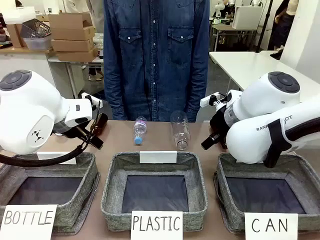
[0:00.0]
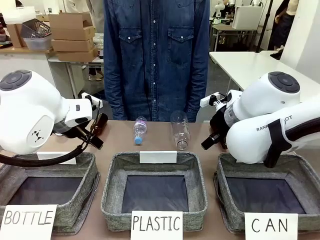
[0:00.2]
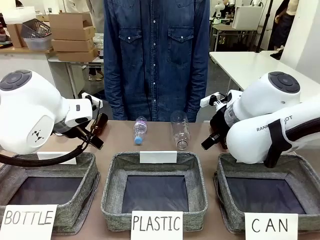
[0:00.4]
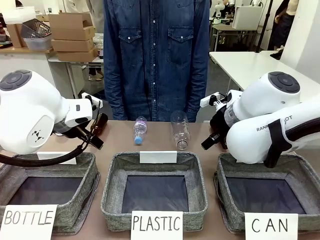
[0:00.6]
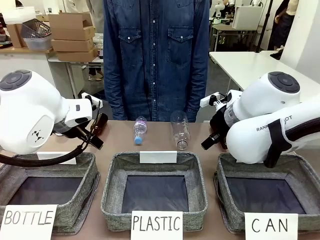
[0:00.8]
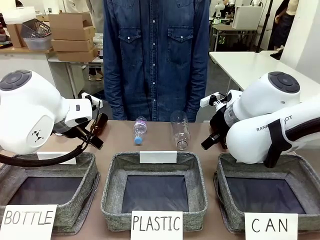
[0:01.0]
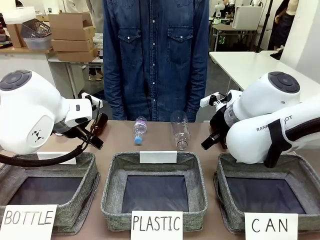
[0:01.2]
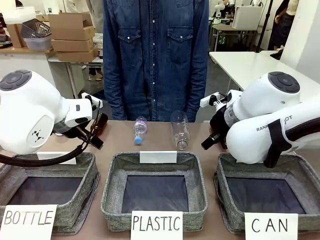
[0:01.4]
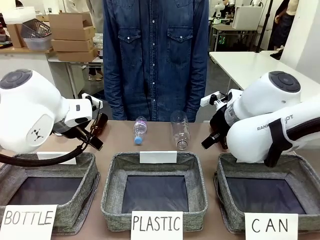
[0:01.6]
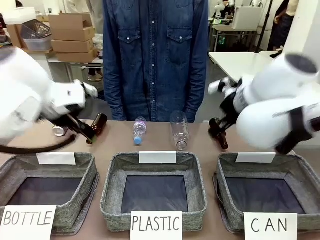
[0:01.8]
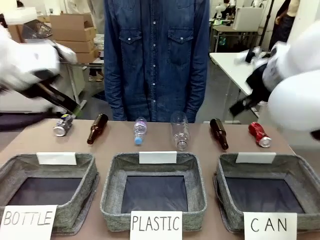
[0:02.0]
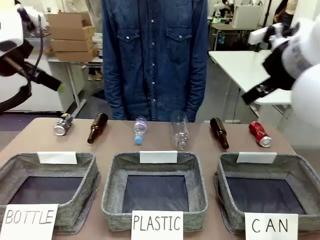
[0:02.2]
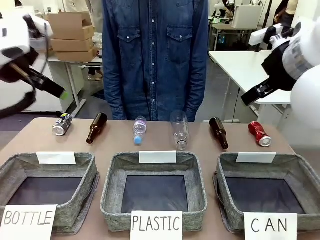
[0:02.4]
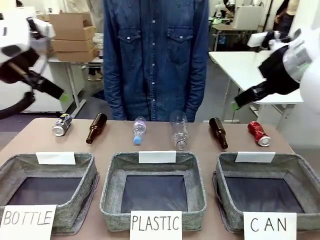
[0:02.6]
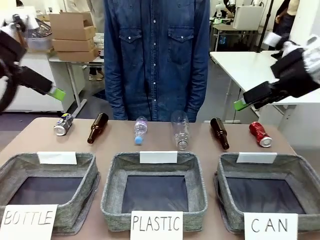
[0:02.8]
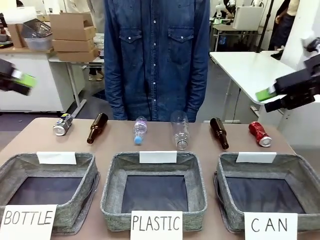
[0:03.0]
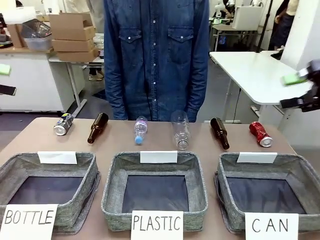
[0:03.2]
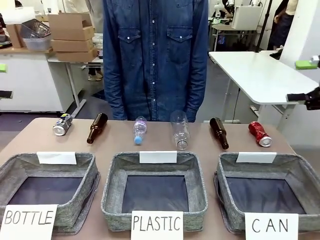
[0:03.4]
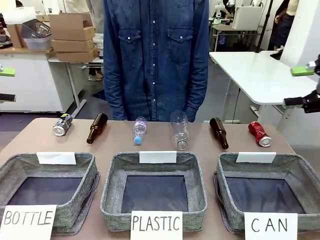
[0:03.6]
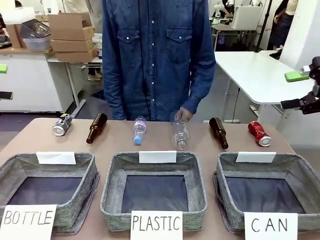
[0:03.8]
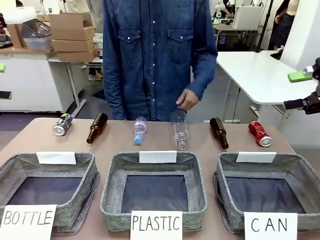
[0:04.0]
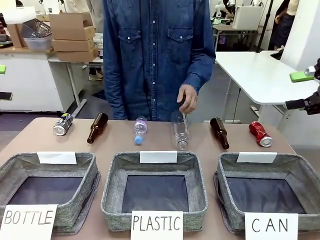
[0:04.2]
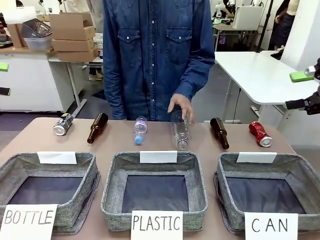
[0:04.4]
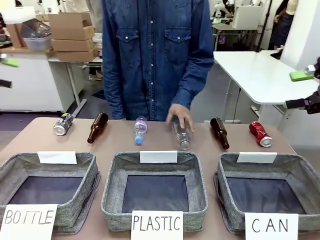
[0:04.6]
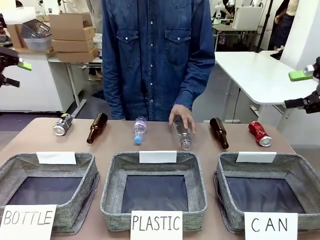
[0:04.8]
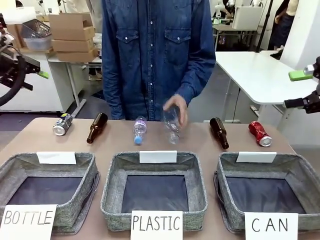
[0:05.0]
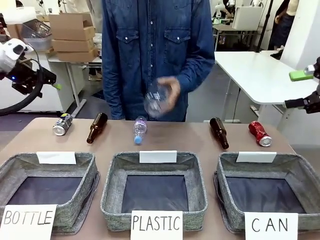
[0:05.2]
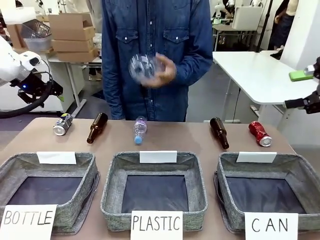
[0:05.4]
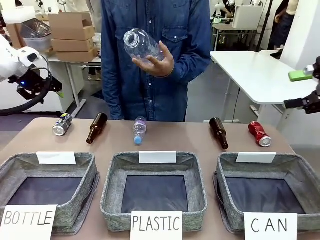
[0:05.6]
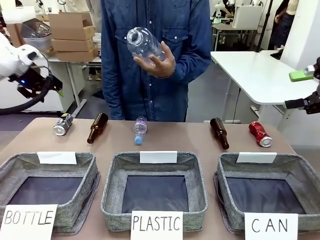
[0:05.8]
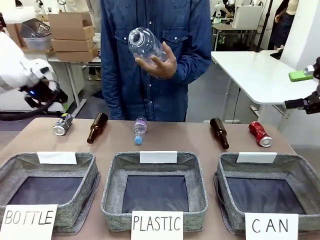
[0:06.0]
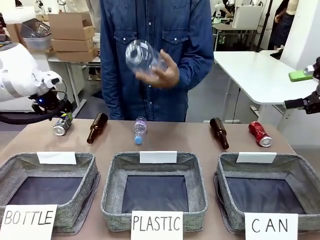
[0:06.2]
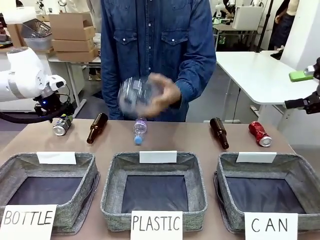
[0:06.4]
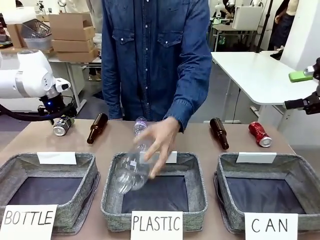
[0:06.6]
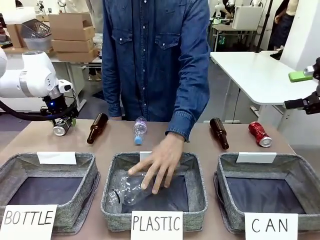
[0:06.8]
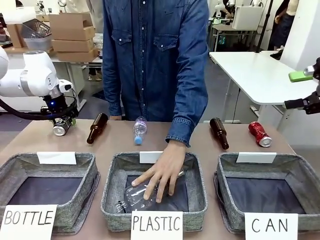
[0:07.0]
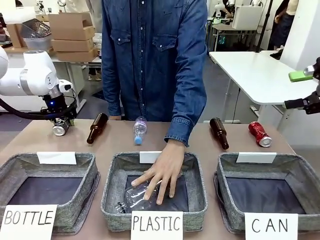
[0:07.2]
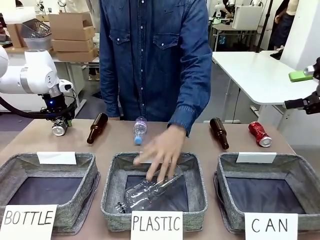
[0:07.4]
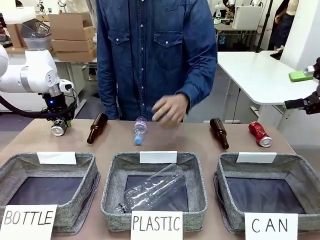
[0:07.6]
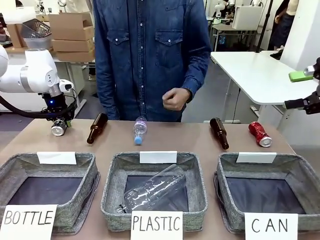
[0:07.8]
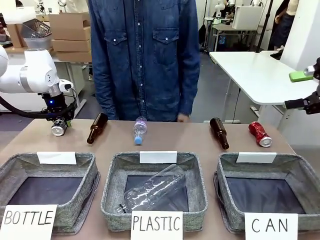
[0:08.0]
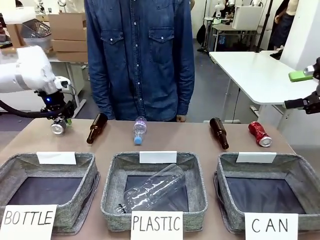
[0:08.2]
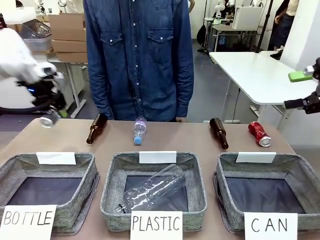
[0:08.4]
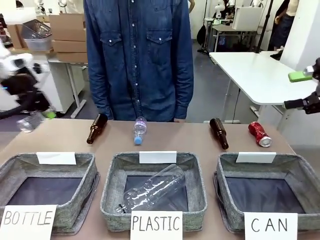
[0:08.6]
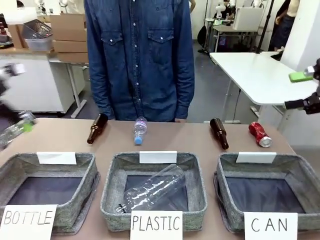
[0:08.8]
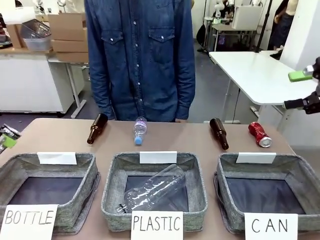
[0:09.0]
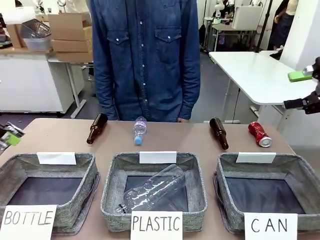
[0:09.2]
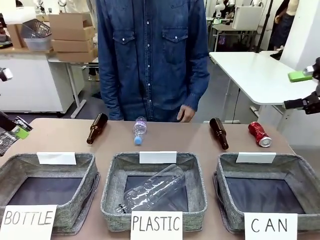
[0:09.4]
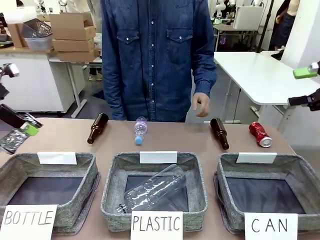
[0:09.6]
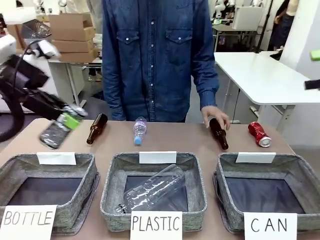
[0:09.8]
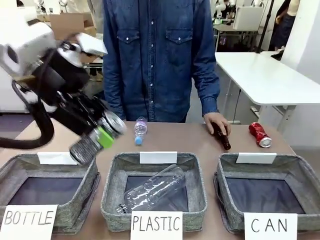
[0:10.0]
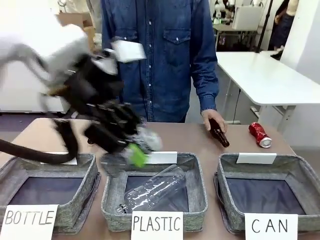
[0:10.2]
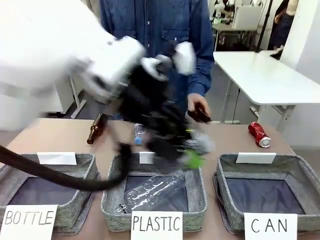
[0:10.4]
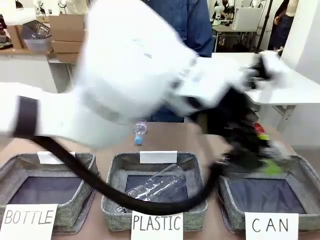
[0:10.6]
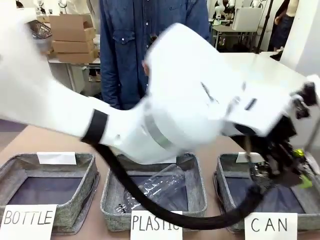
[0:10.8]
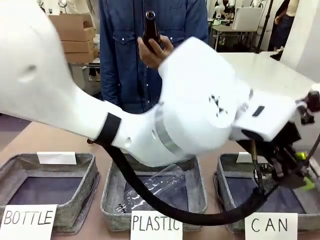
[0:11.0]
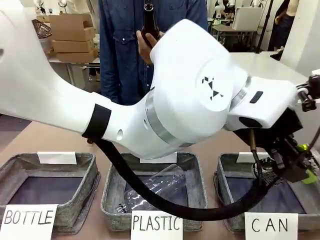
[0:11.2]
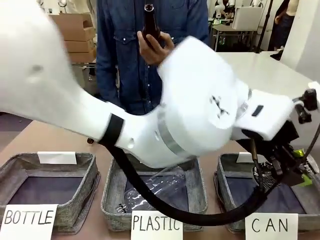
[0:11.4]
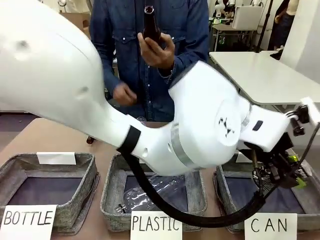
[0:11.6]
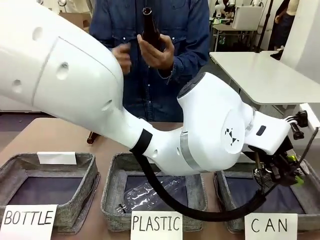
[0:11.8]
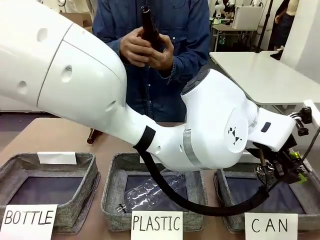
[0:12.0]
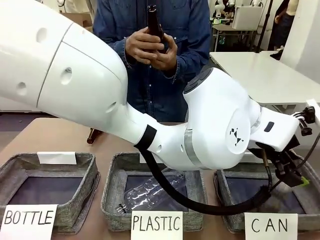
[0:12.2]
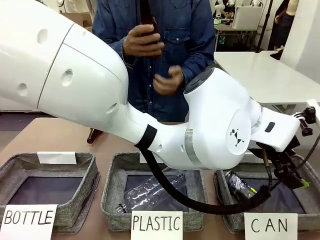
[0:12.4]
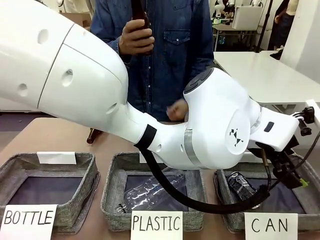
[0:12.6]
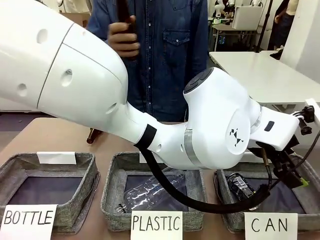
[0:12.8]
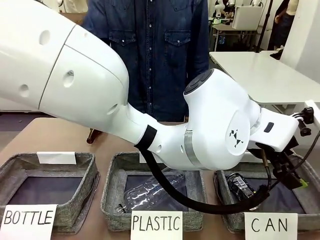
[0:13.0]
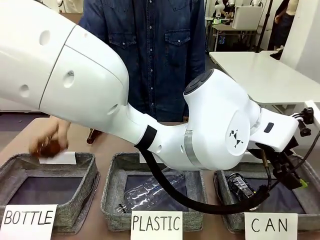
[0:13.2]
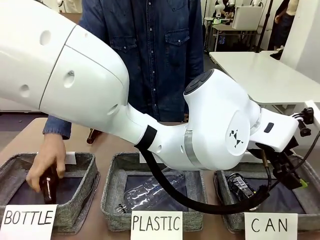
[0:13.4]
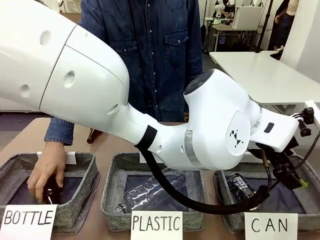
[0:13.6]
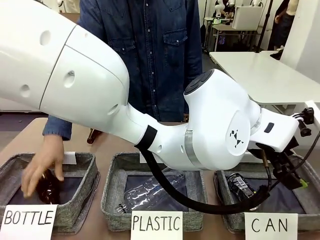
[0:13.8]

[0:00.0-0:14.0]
Task: Sort the can waste into the basket.
Robot: Pick up the can waste from the table and place it in the right Fabric basket.
